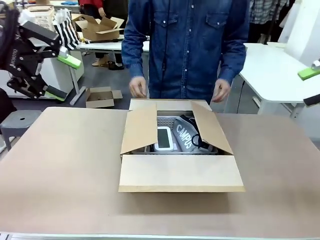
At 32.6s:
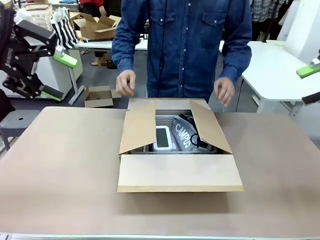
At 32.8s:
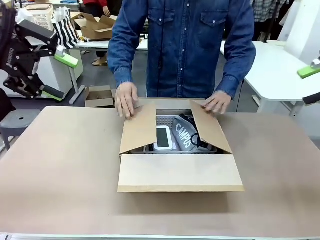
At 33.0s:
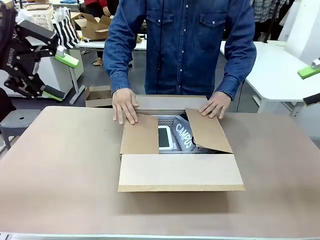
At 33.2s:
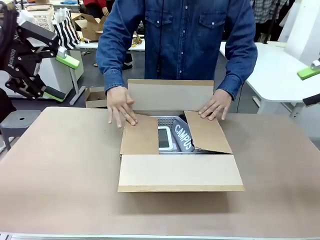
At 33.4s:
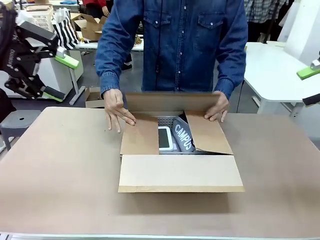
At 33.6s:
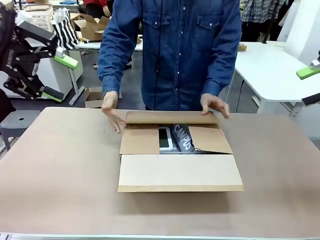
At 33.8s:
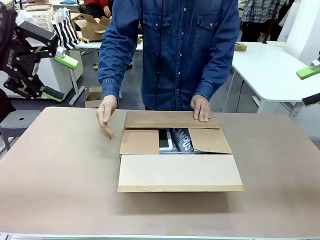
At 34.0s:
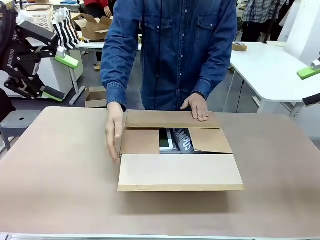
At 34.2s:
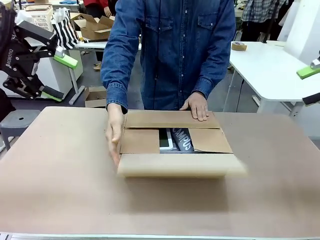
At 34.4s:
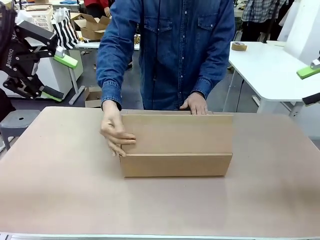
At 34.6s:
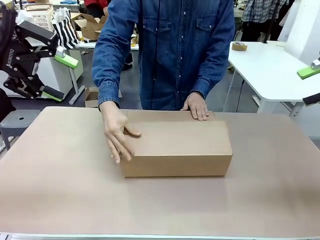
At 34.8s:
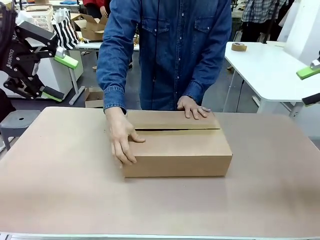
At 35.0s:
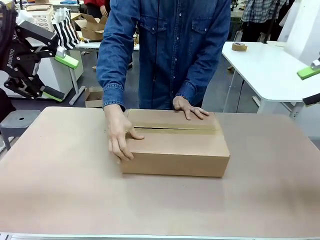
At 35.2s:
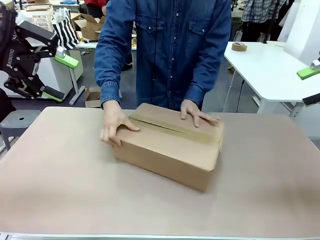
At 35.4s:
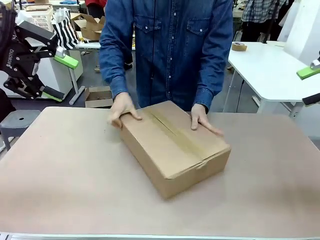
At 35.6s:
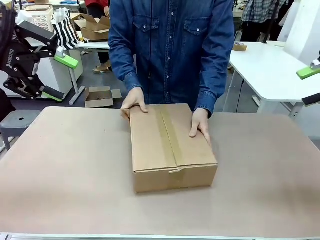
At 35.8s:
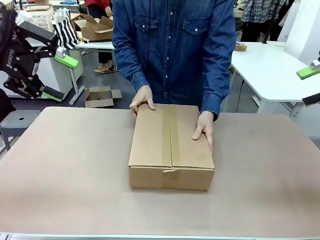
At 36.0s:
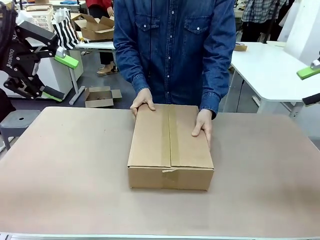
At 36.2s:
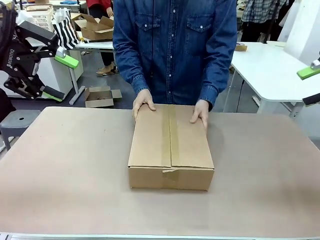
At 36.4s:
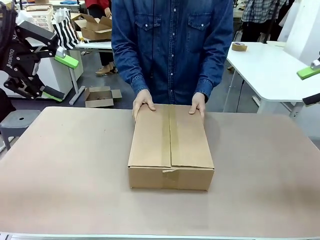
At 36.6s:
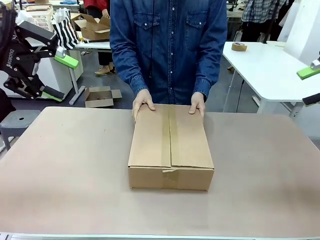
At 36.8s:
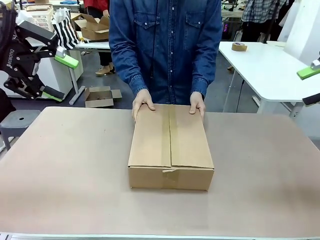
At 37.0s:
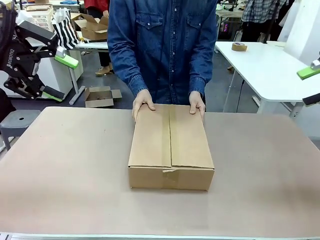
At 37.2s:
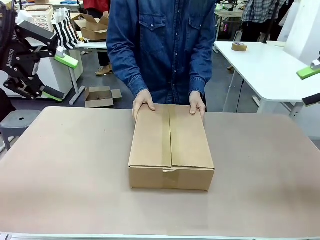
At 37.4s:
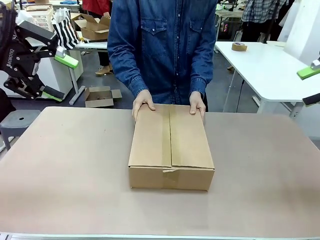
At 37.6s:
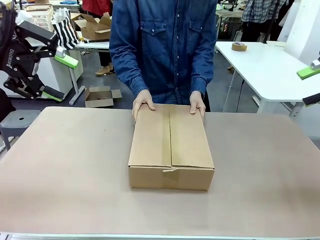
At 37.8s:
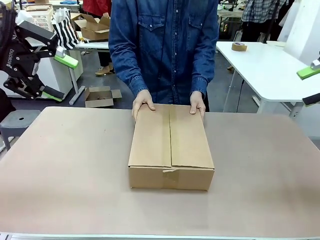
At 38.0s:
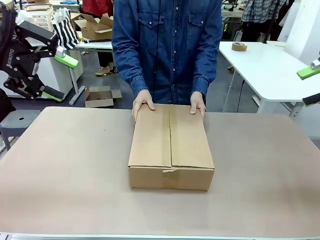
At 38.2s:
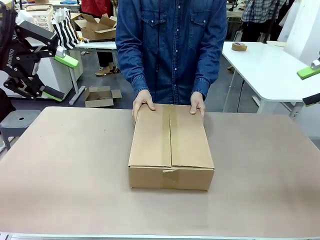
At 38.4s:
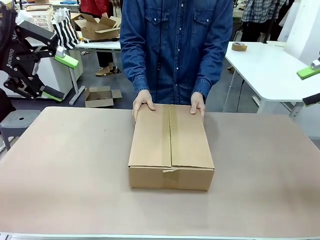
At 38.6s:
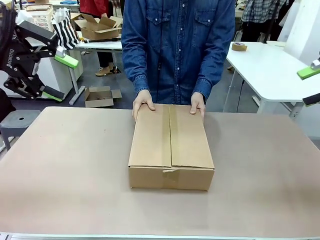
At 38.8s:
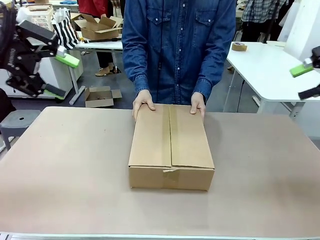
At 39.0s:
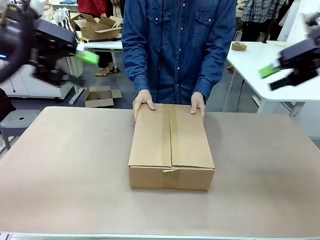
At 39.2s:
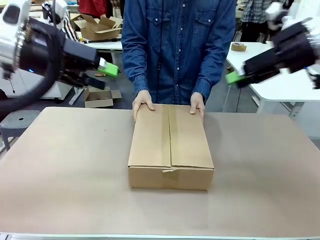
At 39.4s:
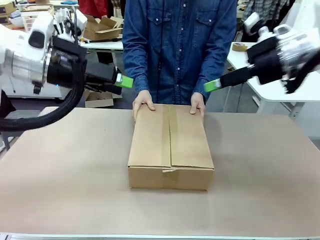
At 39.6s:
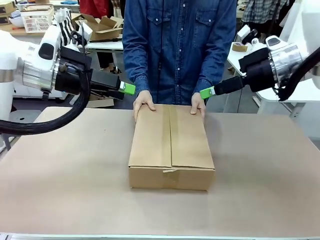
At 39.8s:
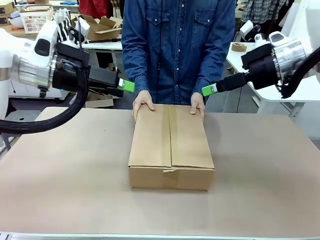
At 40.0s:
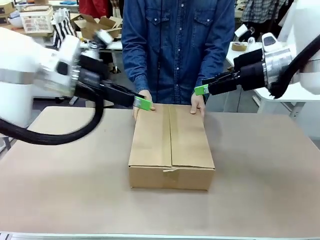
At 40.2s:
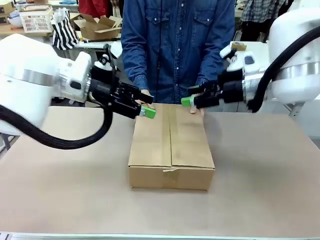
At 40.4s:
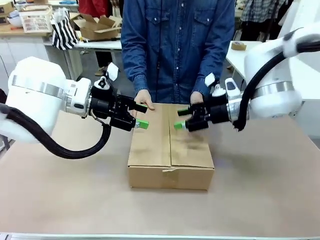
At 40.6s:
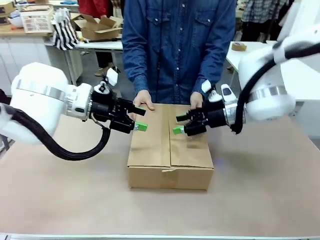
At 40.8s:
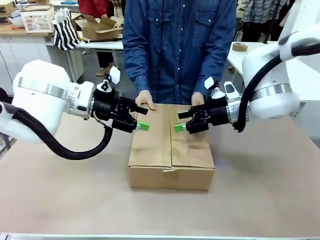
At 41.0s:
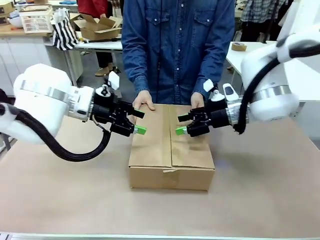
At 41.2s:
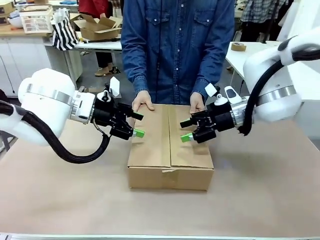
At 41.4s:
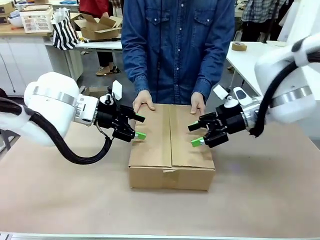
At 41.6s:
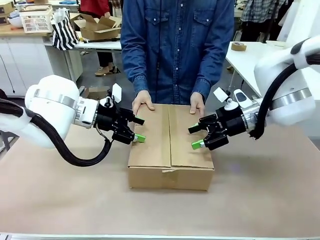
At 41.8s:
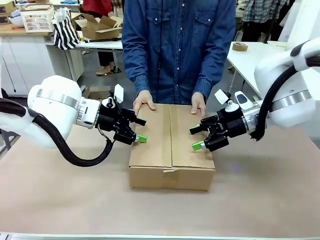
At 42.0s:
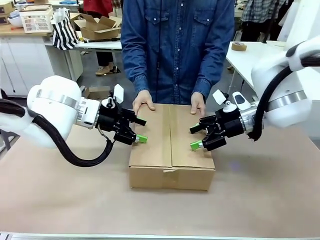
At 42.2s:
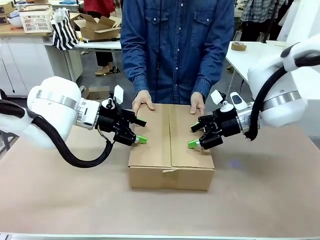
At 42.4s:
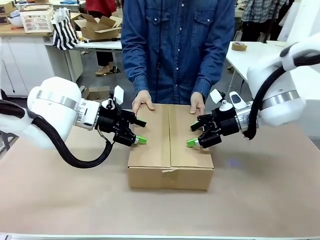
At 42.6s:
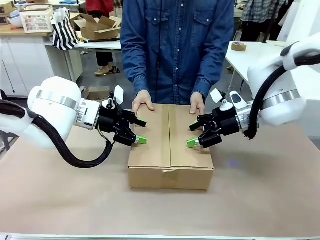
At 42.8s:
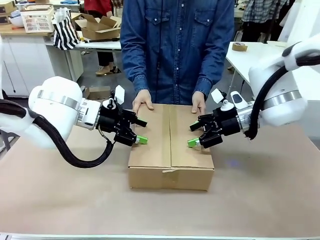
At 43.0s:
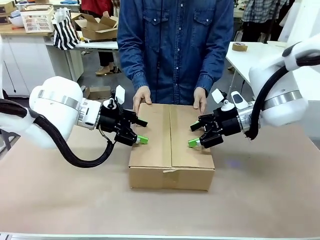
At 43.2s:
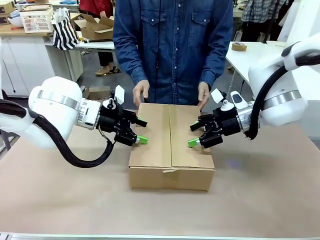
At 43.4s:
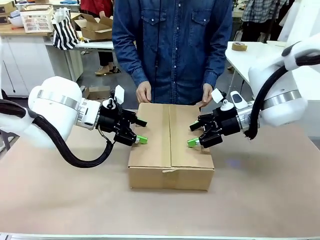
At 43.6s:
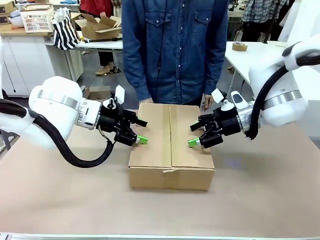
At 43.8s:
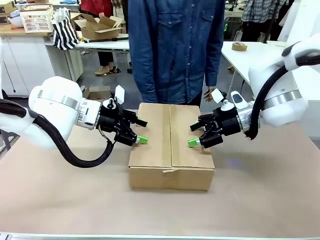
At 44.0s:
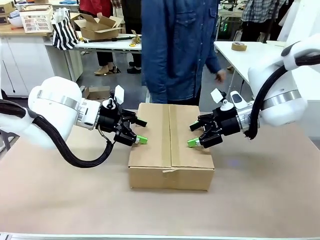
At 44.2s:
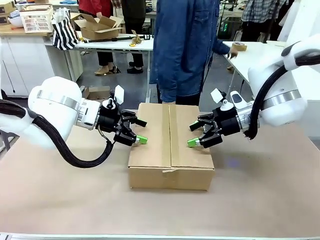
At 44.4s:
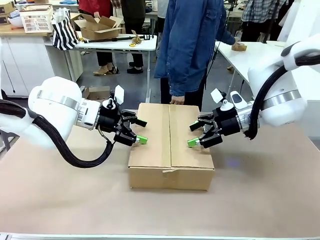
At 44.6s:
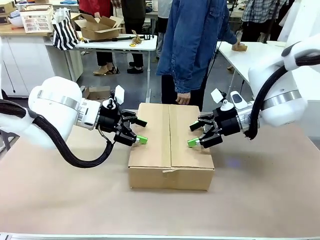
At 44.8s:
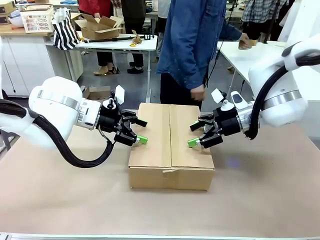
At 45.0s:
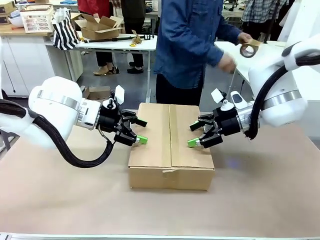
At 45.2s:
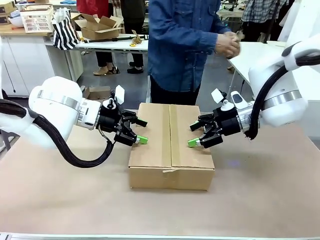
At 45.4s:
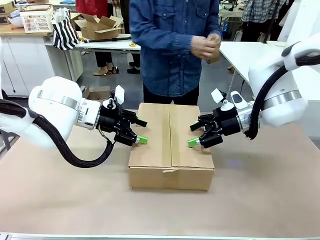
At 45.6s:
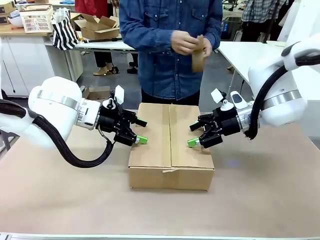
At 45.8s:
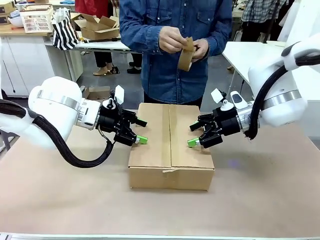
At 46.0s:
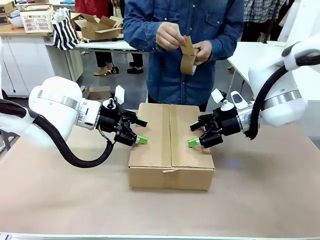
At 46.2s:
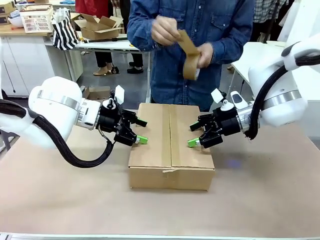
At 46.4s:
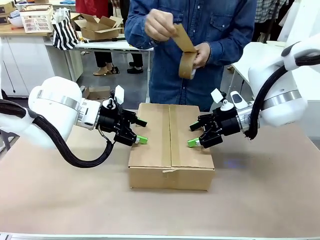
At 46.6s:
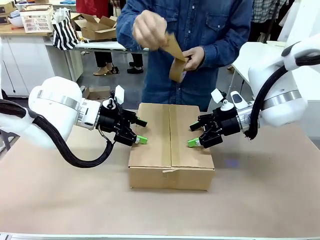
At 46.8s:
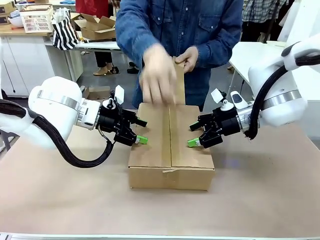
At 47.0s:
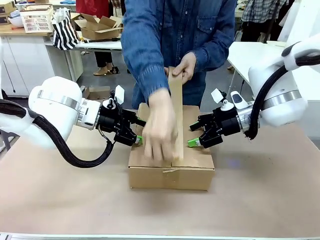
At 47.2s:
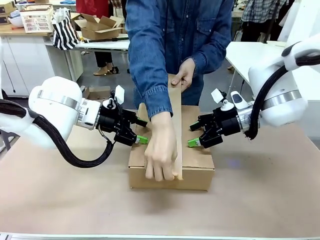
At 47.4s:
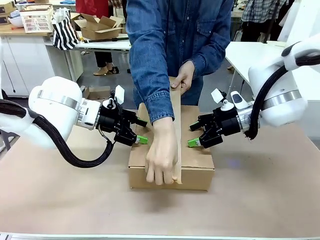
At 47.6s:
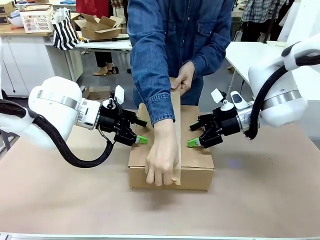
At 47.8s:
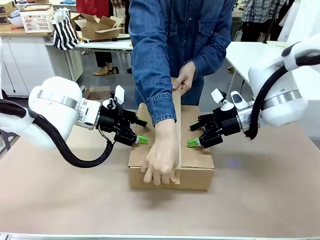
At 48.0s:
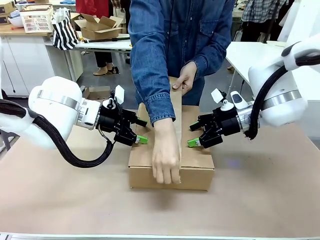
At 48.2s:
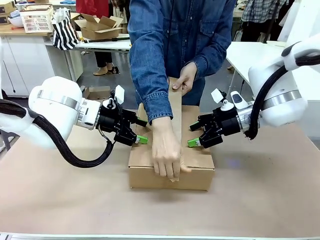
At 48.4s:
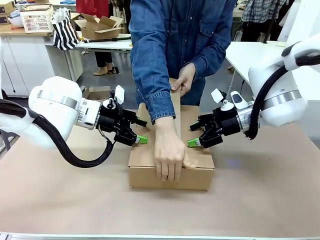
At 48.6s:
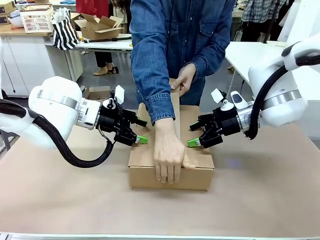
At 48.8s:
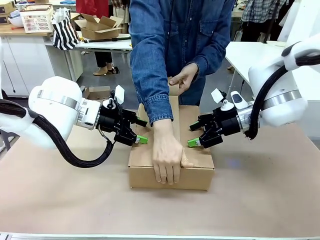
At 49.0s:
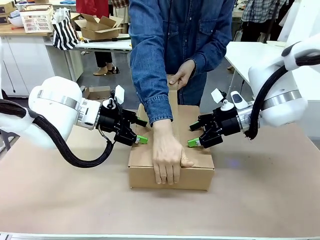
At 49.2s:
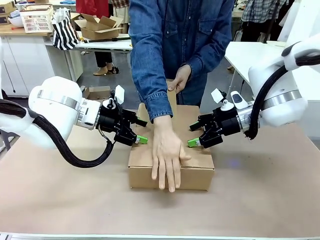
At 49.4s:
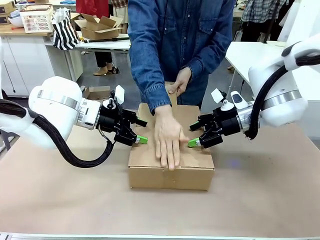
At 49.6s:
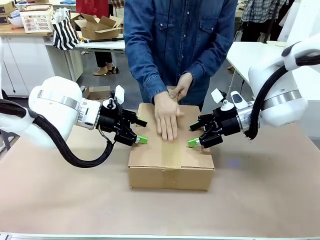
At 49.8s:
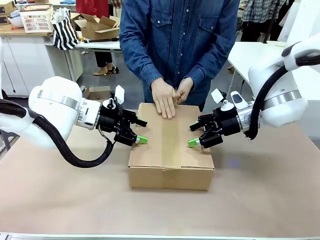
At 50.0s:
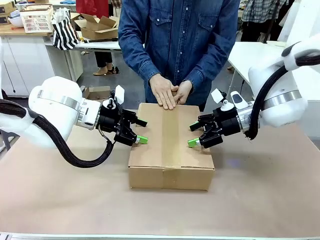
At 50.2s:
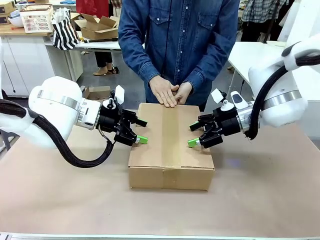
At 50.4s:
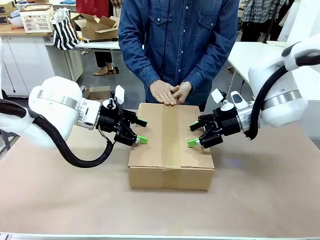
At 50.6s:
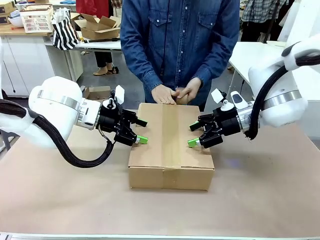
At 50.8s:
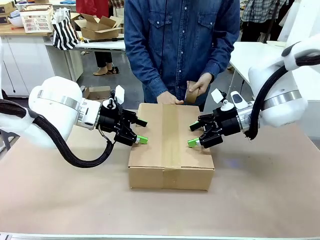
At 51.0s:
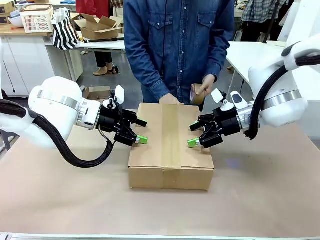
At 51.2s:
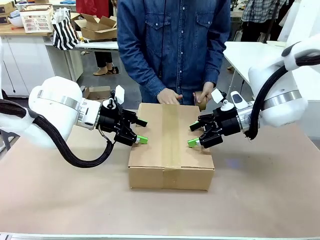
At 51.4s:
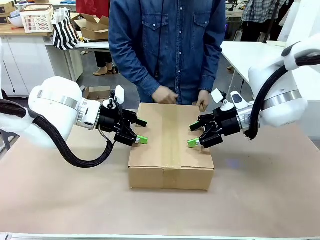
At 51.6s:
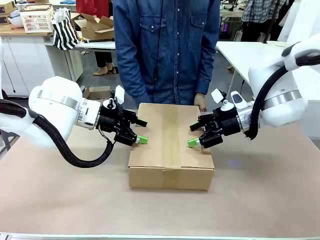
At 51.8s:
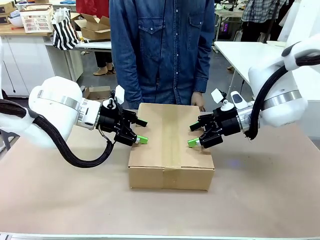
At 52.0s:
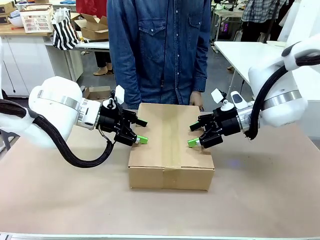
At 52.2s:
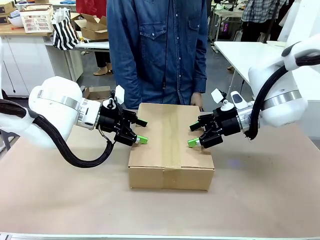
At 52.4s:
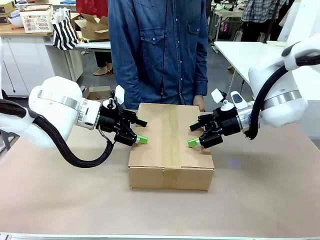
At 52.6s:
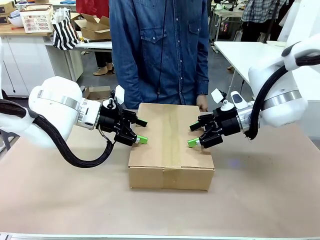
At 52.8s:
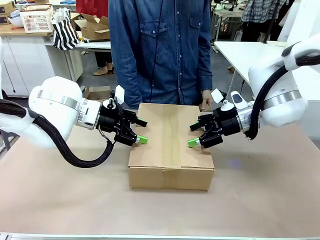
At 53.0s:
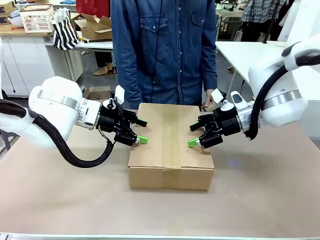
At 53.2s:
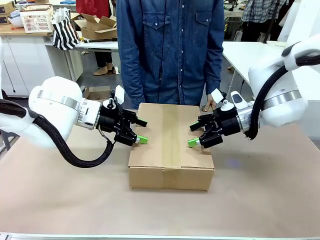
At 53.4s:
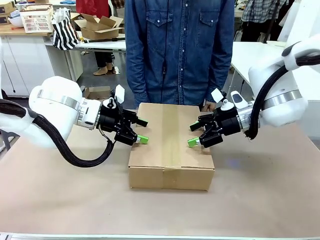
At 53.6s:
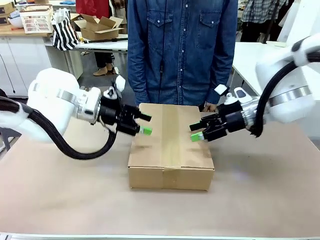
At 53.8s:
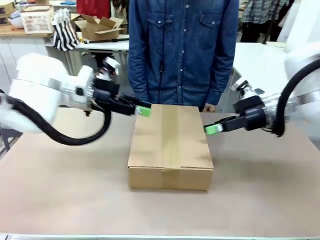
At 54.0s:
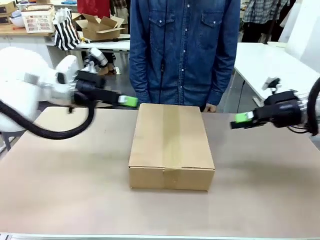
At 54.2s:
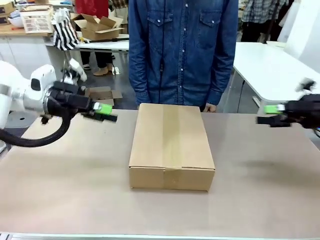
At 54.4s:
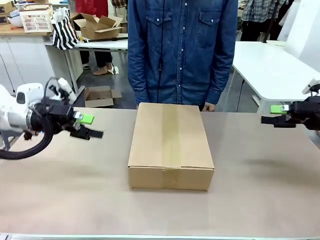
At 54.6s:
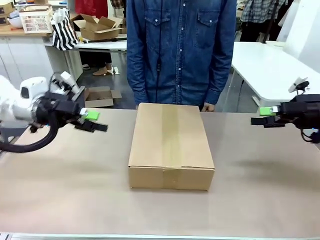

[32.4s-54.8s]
Task: Pack the gift set into the box.
Robot: Press and hold the closed box until the human finishes sealing it.
Person: The human closes the box and rotates the box by 90 degrees. The human picks up the paper tape from the human table and packs the box.
